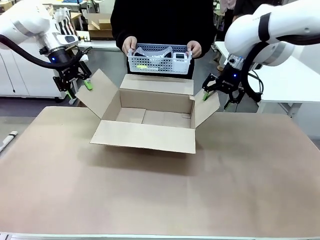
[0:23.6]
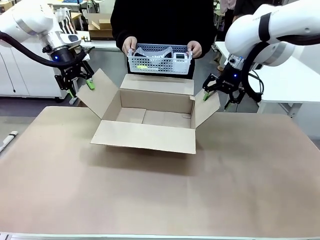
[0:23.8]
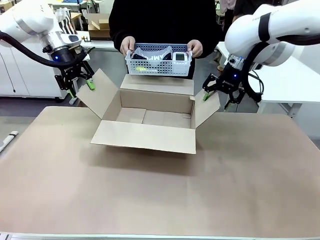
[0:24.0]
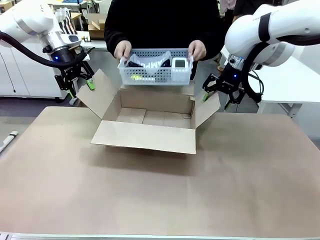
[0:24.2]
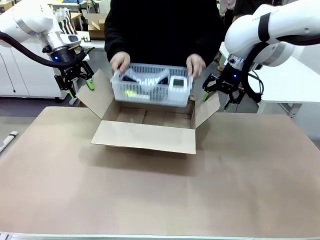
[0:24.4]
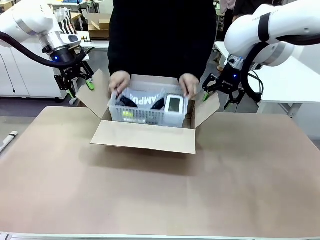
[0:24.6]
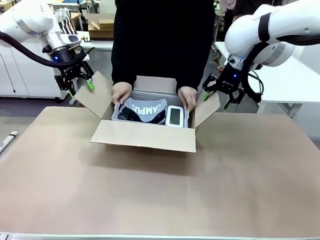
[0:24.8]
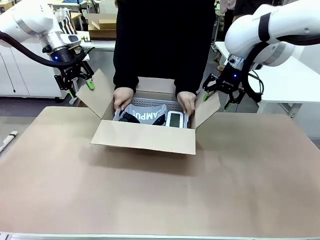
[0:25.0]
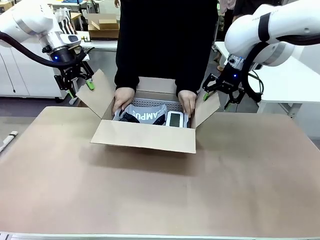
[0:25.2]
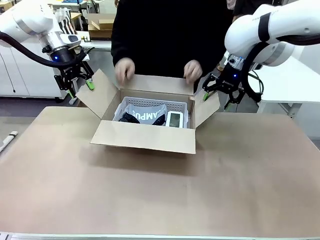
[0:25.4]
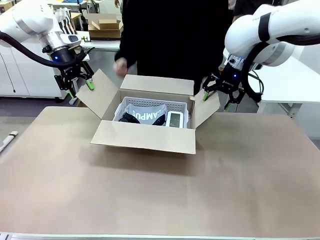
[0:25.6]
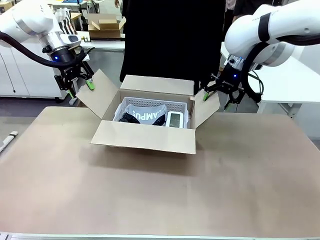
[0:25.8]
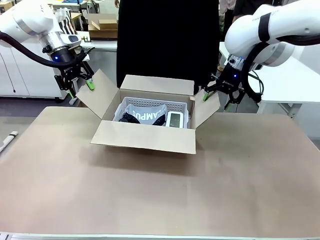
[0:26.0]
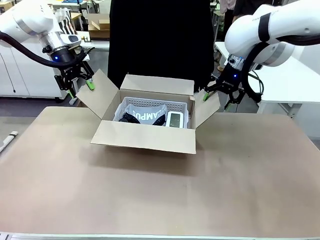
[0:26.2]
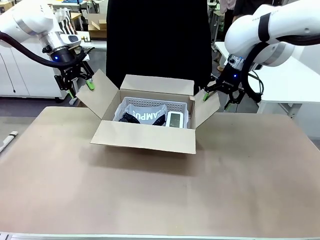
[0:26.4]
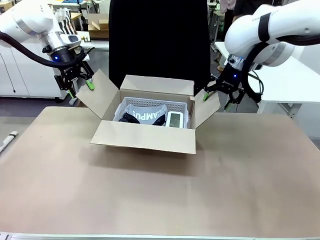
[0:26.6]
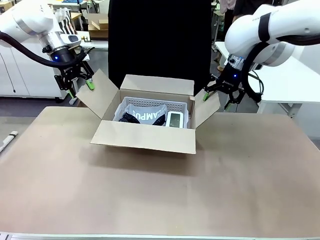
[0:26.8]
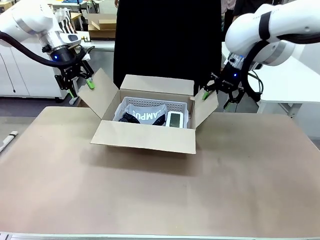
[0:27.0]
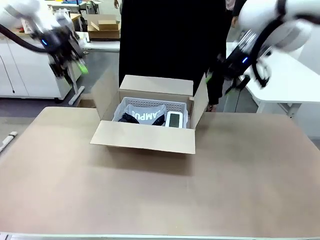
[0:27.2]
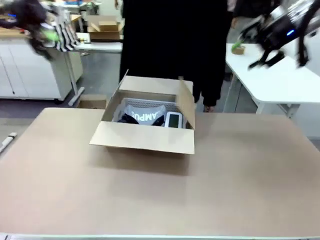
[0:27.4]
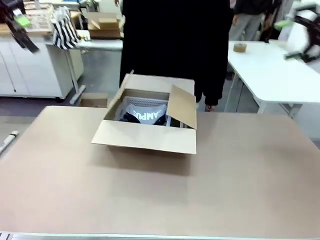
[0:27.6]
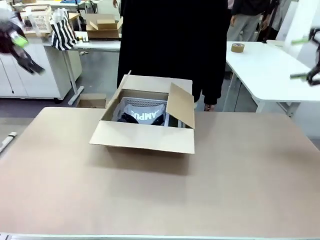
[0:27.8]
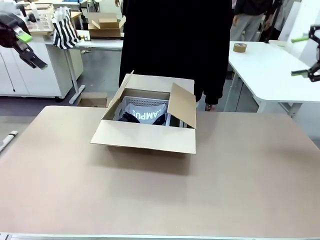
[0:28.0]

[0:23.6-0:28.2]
Task: Pack the gift set into the box.
Robot: Lift both hands away from the flaps of the Package Box.

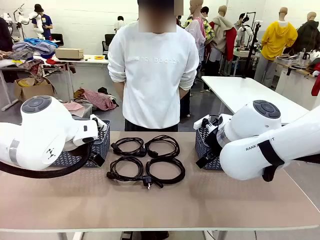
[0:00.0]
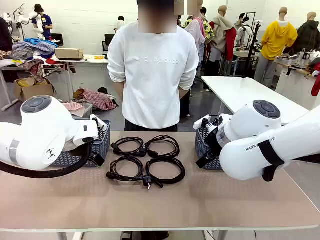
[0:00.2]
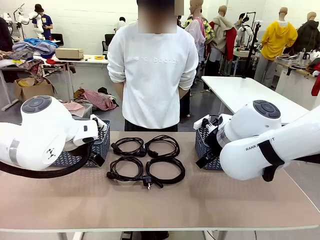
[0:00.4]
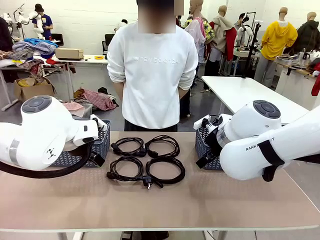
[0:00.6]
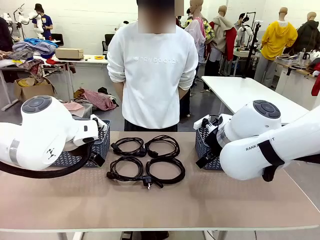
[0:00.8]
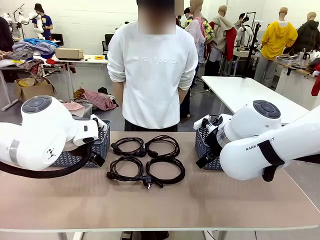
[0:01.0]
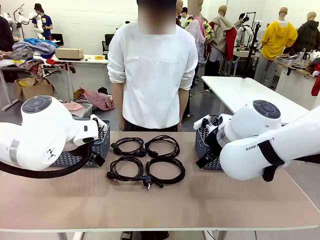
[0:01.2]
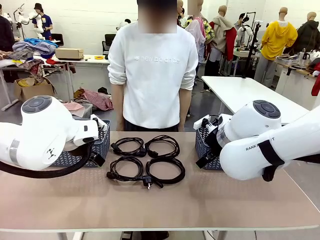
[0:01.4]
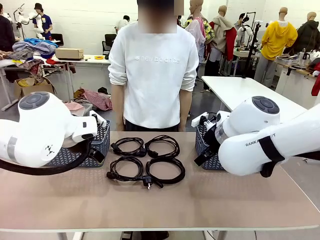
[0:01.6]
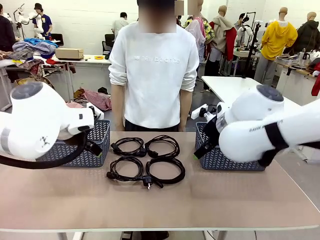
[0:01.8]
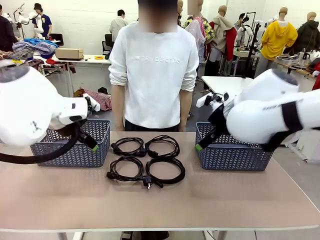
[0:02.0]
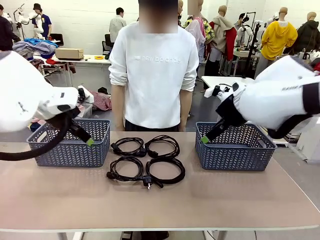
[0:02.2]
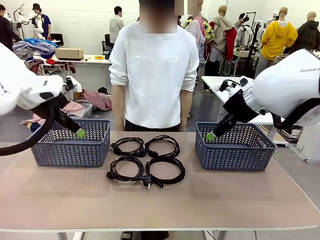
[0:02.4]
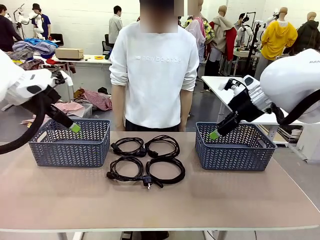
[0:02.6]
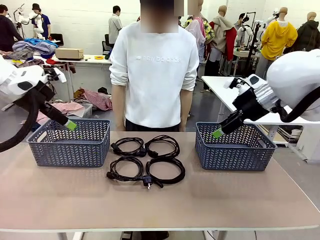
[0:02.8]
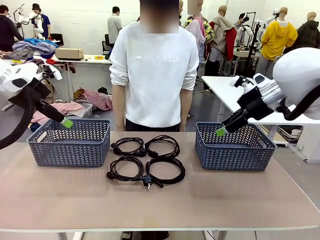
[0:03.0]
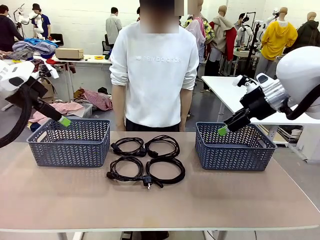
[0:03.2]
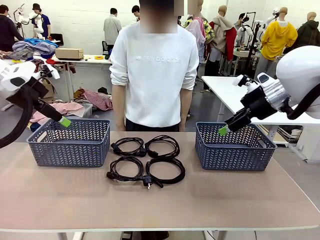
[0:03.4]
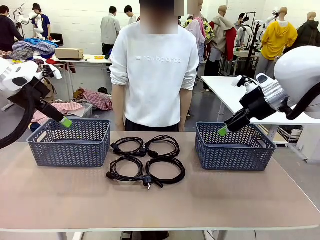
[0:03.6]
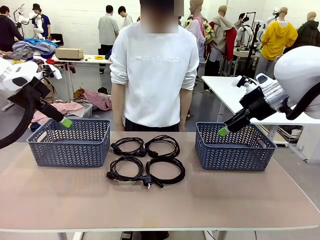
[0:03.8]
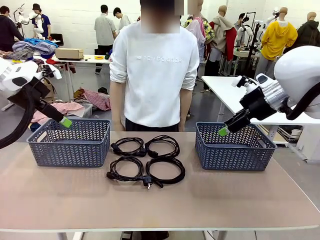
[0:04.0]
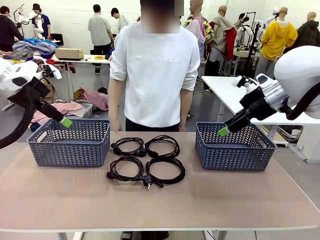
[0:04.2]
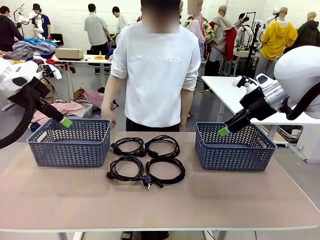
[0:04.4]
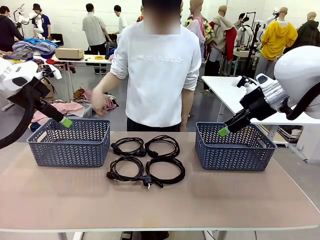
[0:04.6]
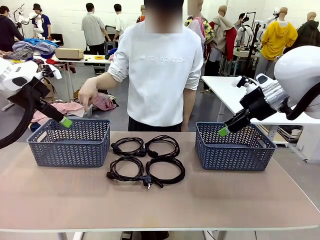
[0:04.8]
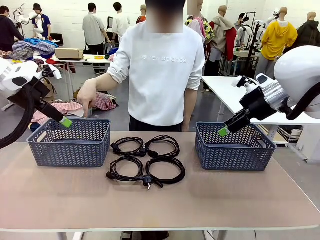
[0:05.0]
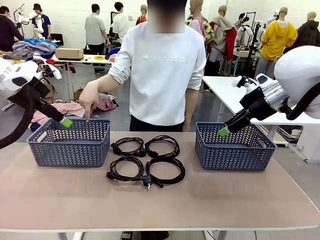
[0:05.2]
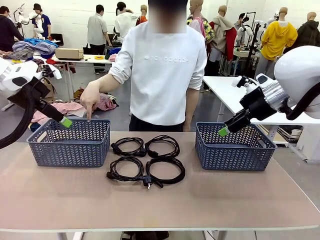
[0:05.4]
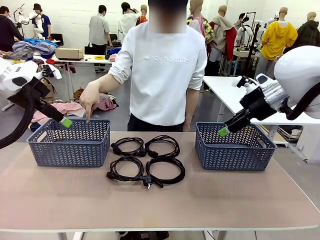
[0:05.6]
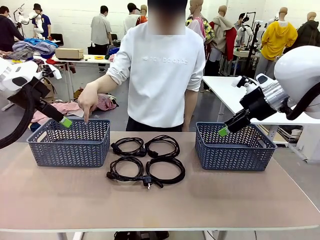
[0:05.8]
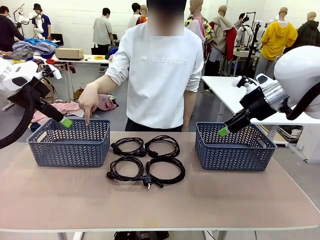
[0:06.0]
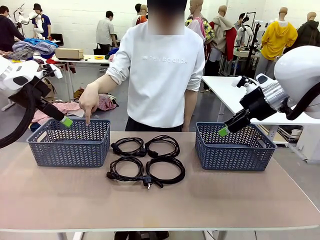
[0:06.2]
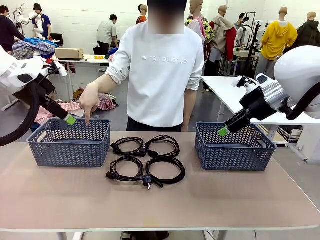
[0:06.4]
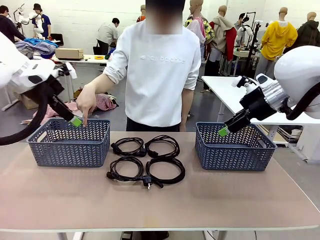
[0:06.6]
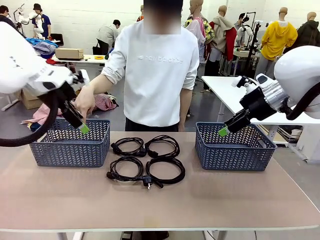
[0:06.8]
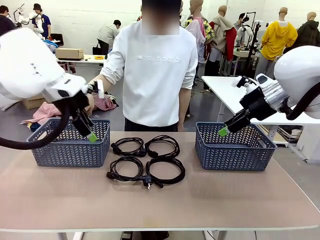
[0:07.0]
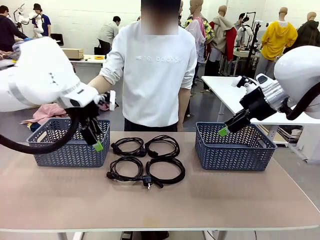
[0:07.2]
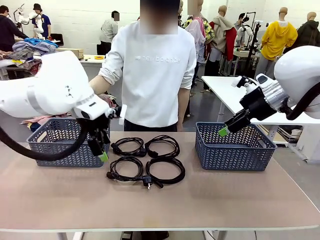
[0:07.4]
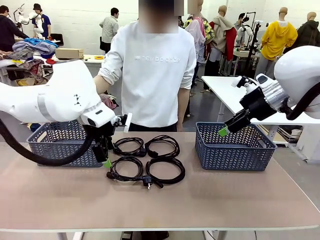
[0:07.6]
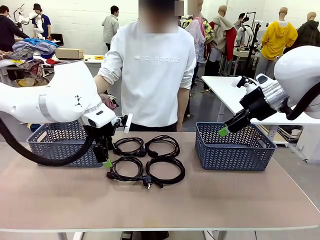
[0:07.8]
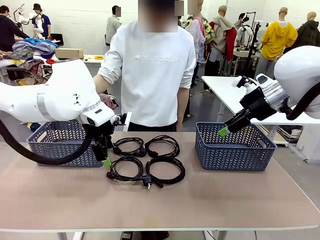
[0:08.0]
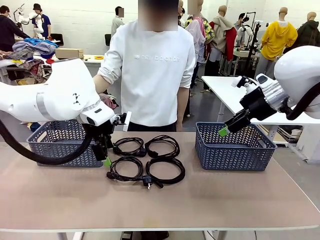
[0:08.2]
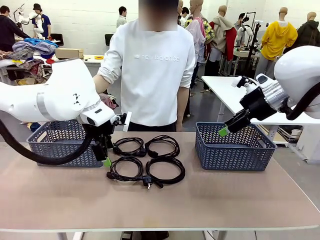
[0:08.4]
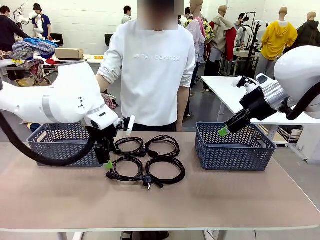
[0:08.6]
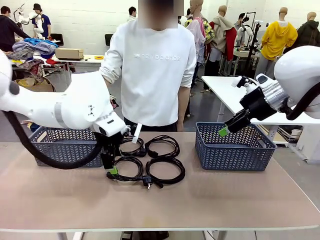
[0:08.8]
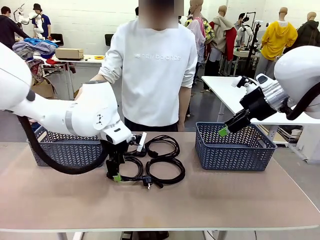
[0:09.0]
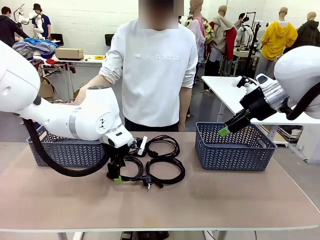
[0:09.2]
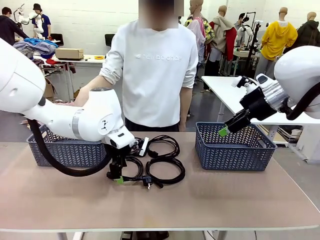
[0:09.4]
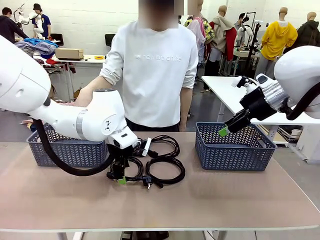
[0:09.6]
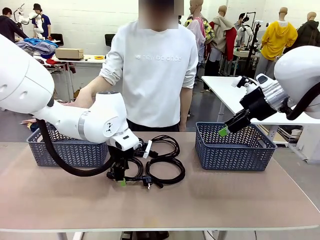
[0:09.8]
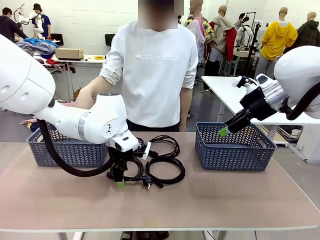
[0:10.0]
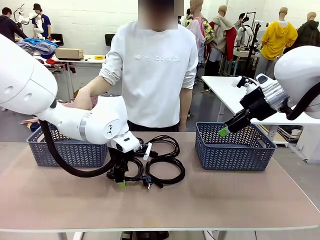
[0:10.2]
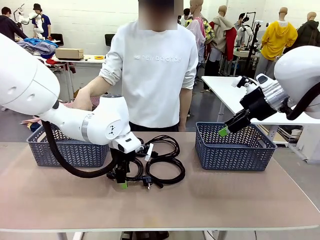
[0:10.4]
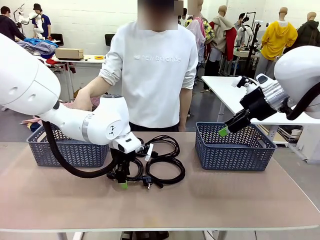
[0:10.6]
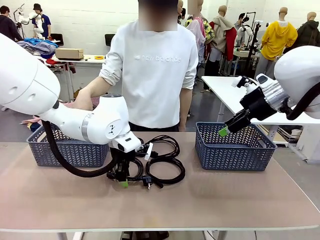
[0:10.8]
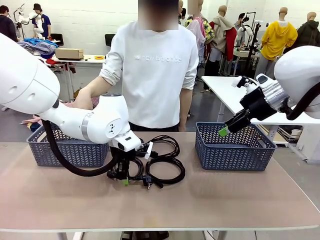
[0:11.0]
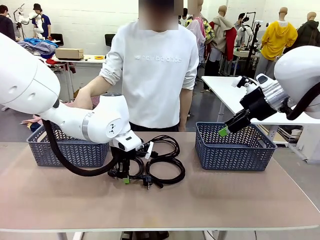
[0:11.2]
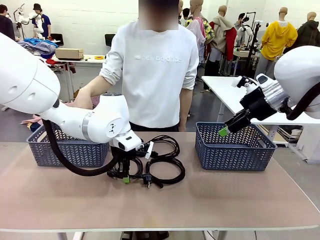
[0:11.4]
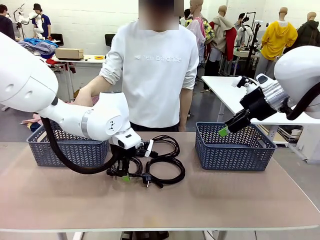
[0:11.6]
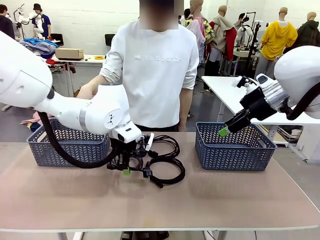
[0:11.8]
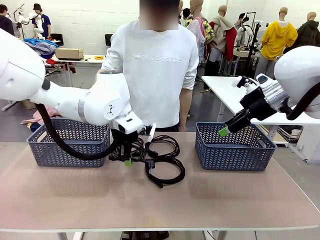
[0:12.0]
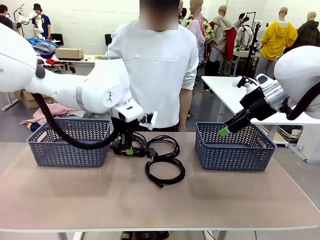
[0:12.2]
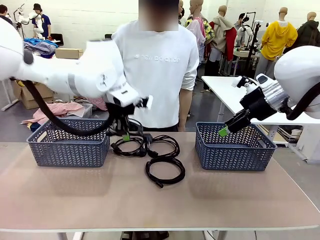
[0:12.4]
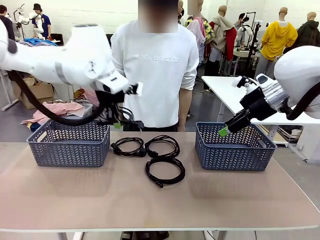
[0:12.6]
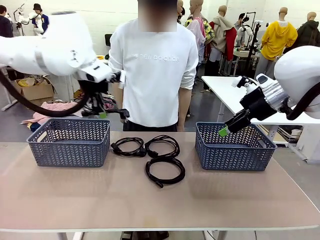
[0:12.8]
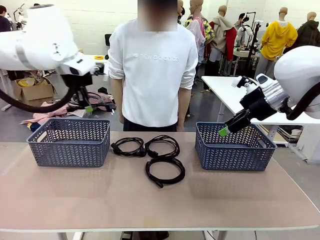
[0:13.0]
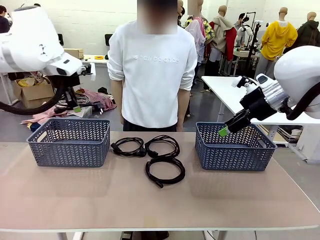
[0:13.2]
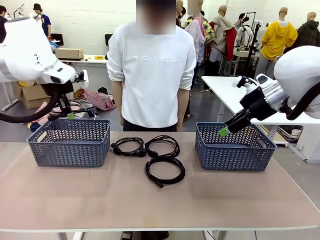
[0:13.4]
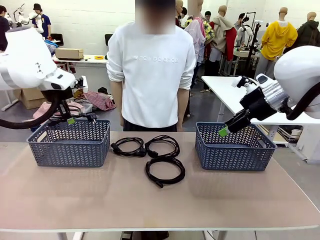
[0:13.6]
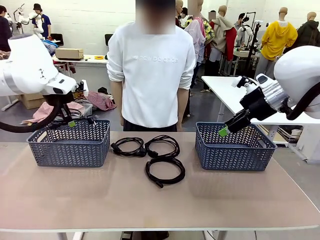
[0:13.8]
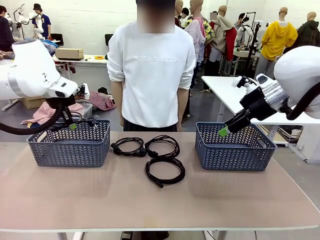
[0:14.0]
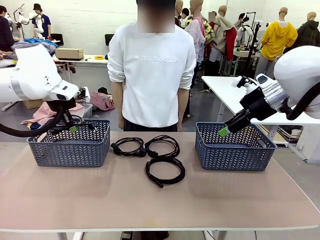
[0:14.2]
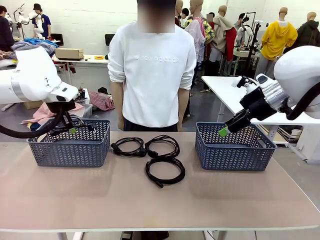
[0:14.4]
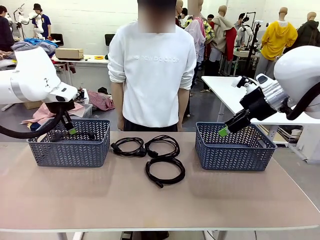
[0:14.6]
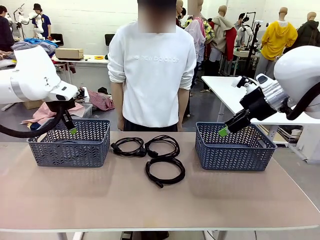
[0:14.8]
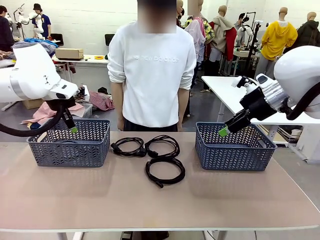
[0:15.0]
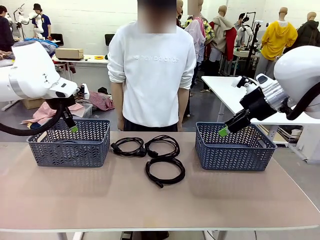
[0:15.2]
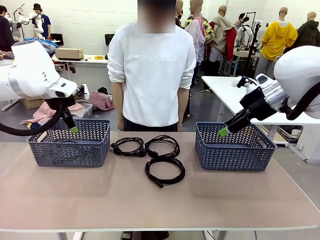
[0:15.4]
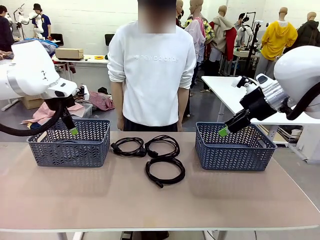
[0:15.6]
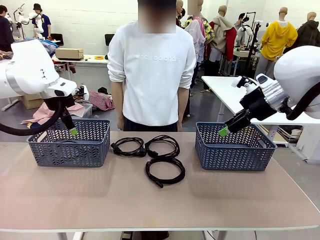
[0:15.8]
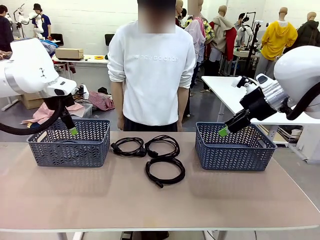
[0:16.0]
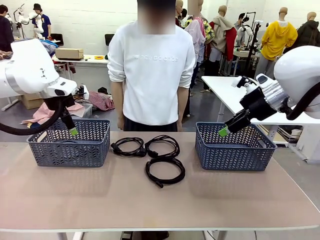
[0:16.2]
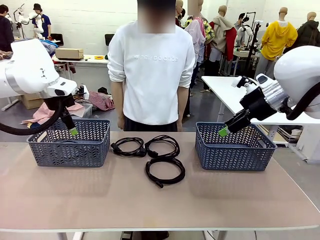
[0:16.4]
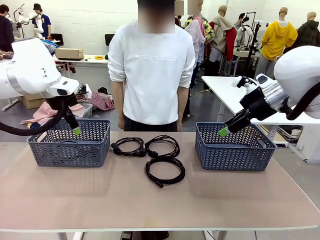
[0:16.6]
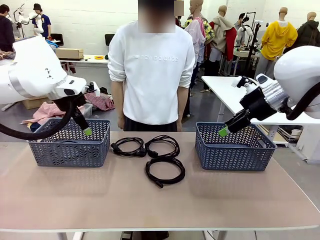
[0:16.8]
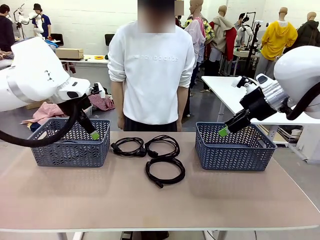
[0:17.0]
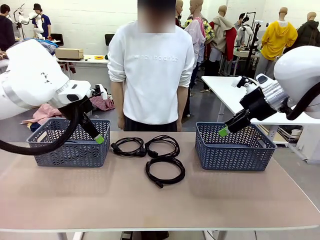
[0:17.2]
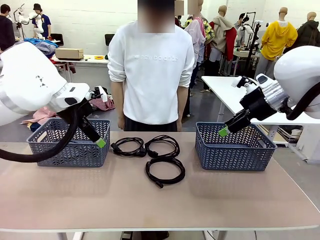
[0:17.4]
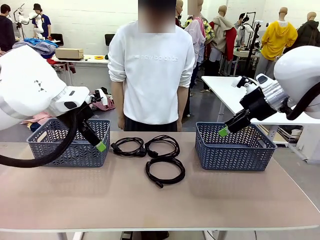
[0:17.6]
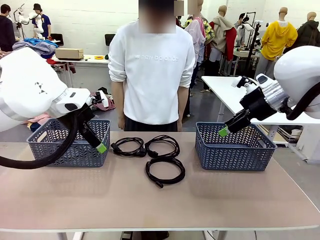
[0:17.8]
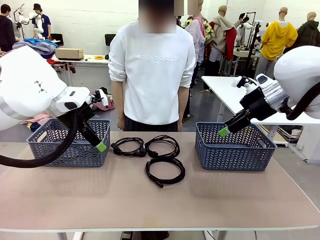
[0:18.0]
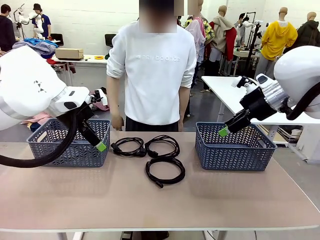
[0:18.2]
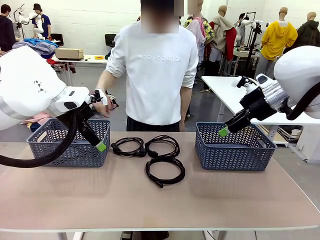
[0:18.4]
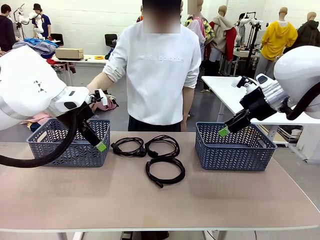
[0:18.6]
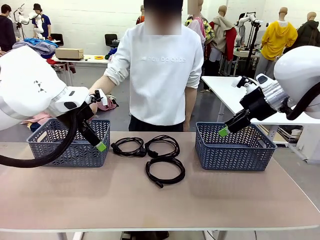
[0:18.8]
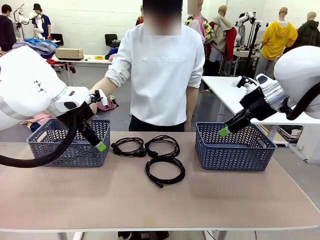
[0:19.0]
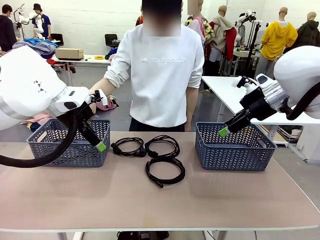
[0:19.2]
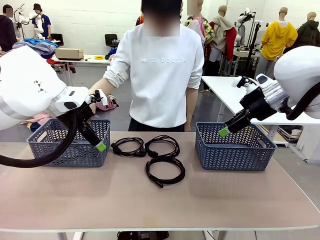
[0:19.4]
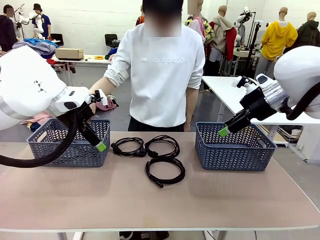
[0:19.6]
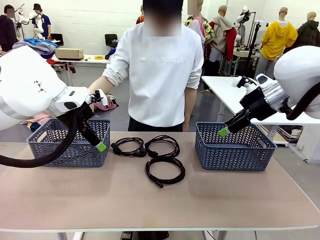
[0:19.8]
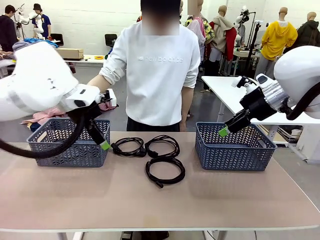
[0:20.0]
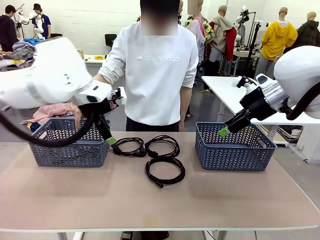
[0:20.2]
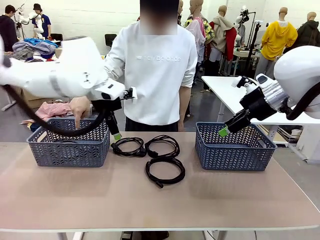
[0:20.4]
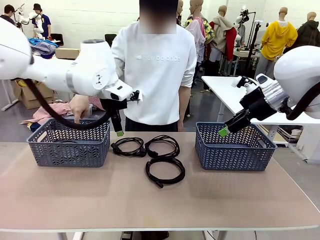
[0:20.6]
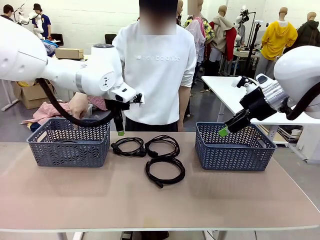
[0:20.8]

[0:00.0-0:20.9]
Task: Organize the cables according to human instructions.
Robot: Pick up a bundle of cables and place it in the basket indicated by the human.
